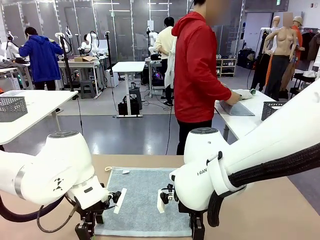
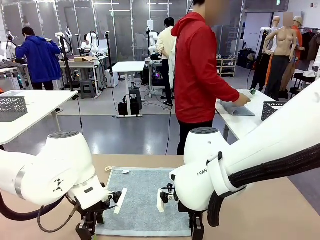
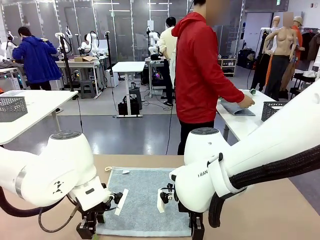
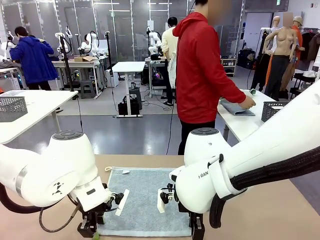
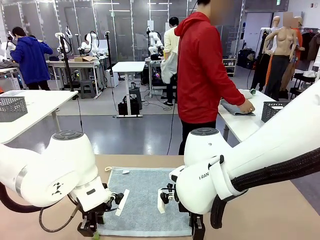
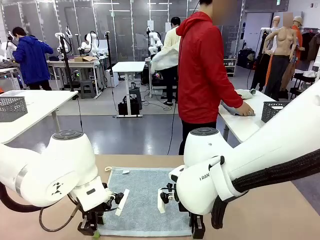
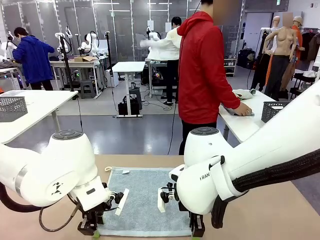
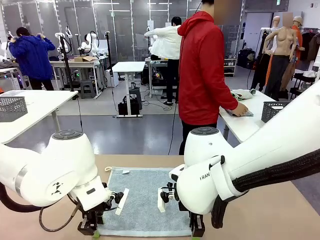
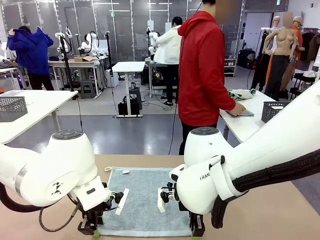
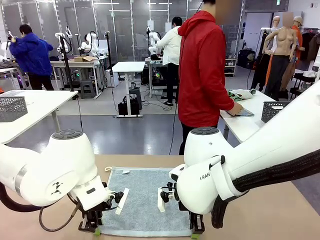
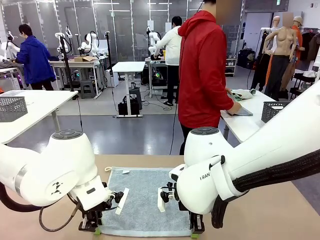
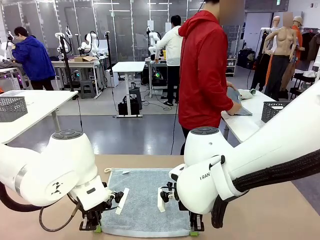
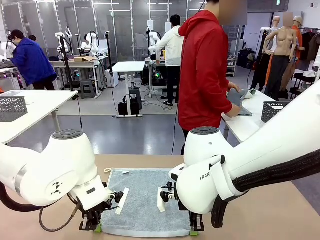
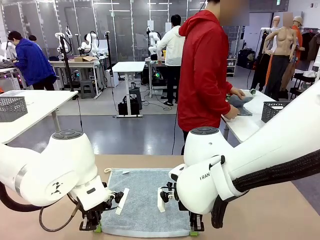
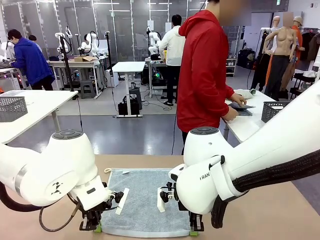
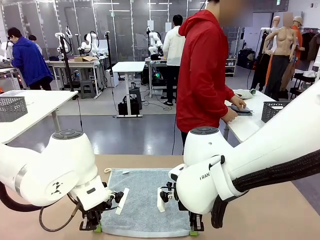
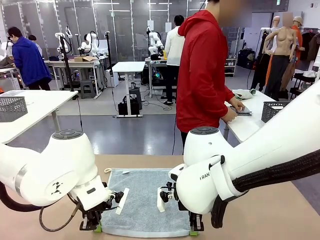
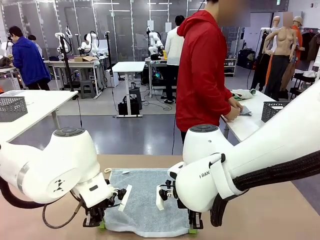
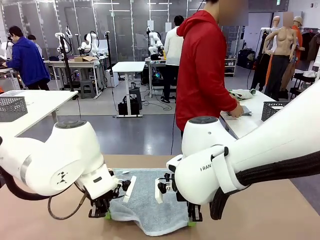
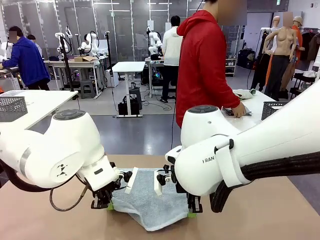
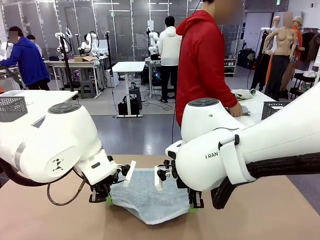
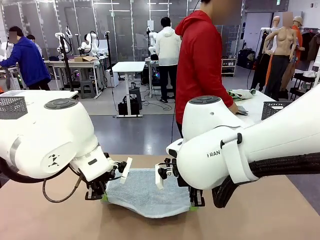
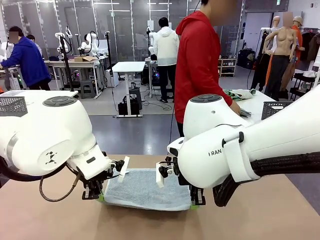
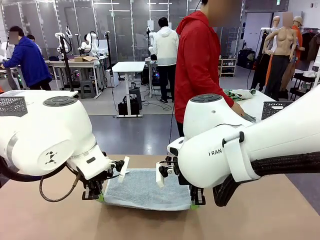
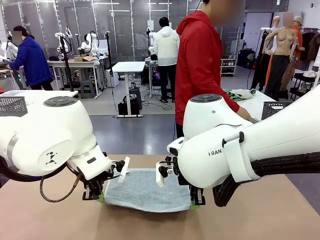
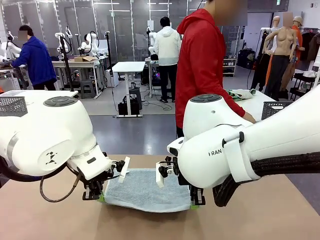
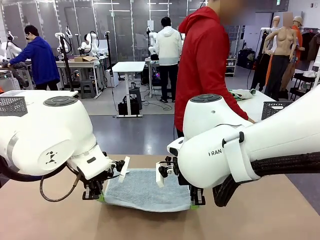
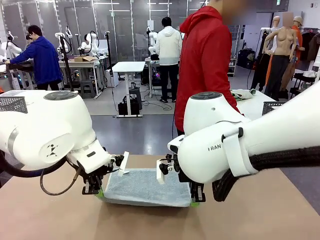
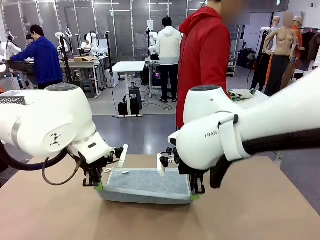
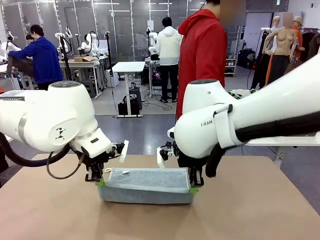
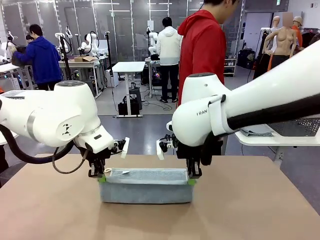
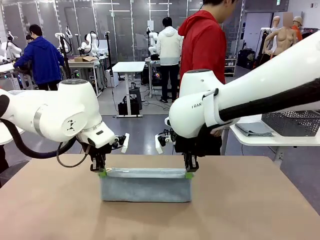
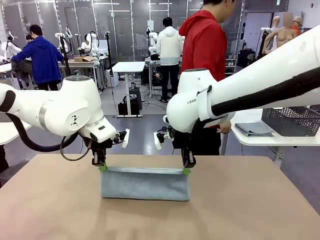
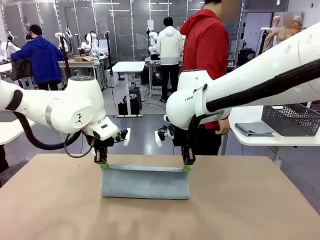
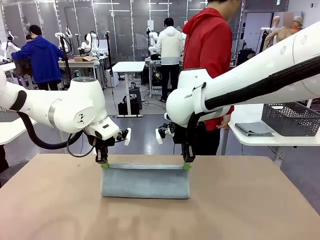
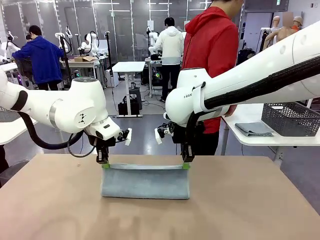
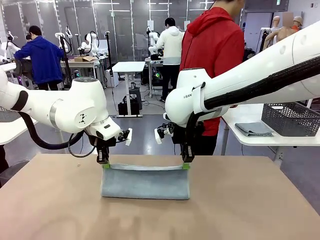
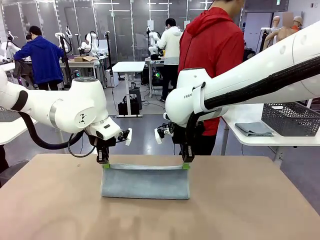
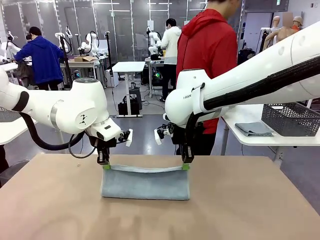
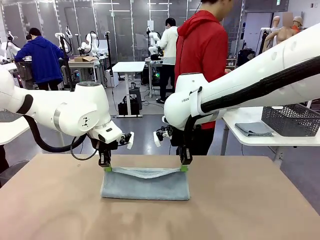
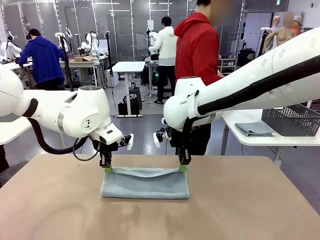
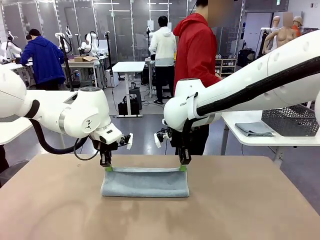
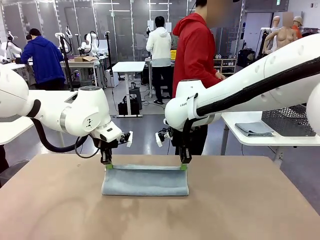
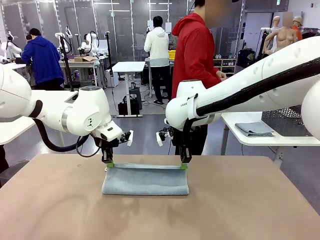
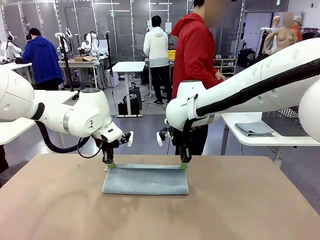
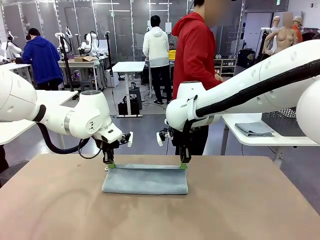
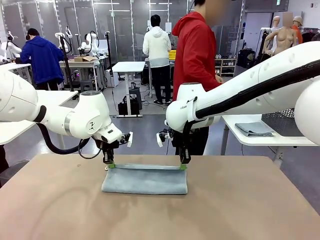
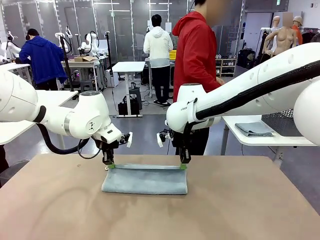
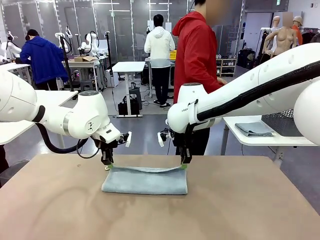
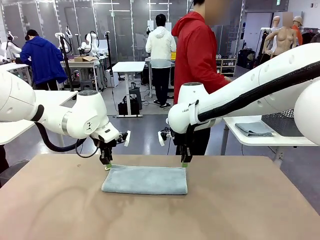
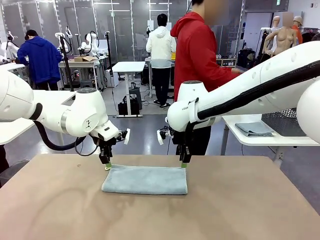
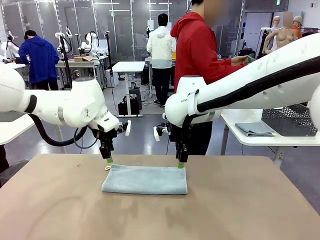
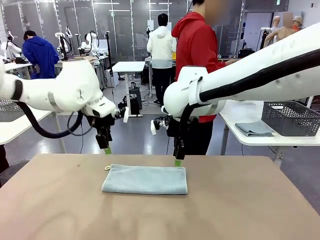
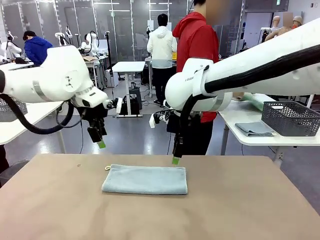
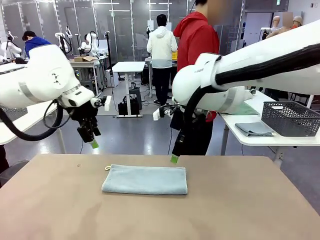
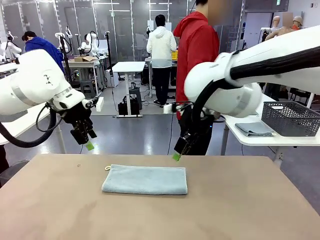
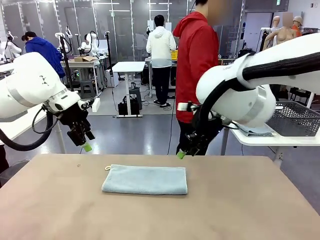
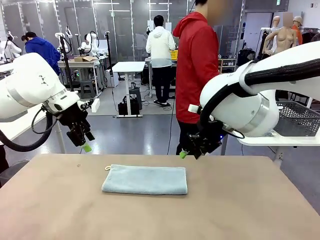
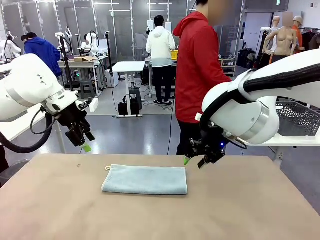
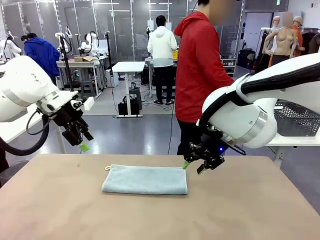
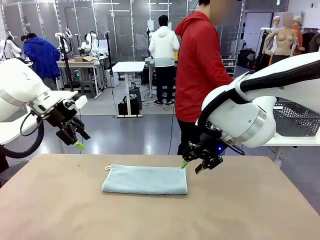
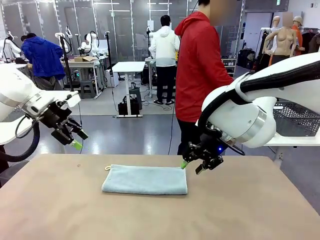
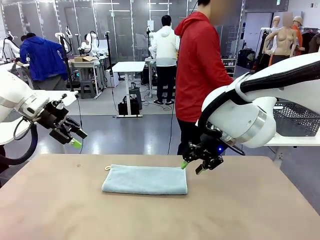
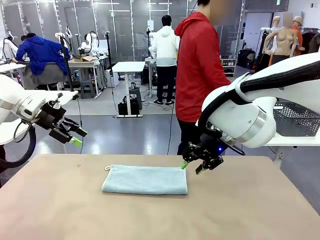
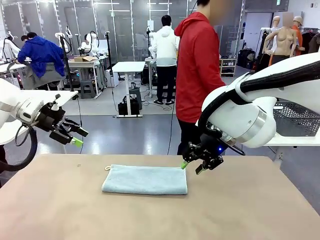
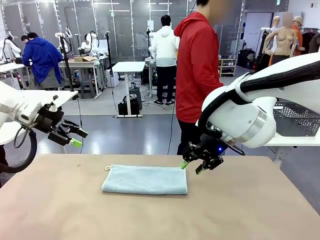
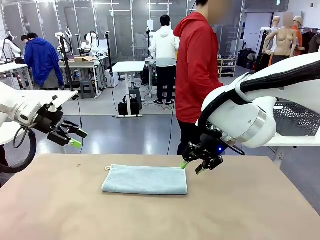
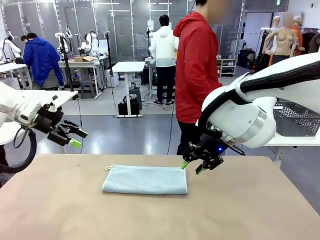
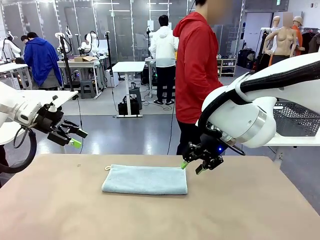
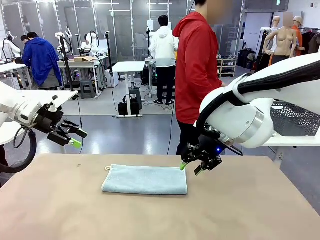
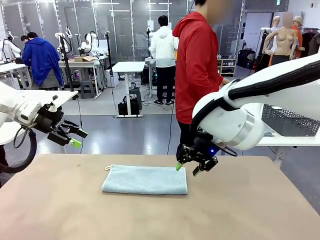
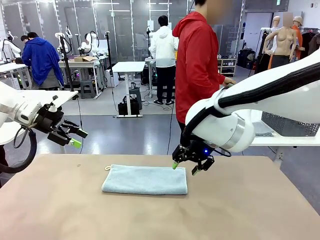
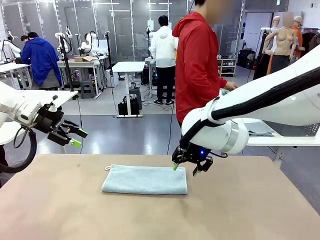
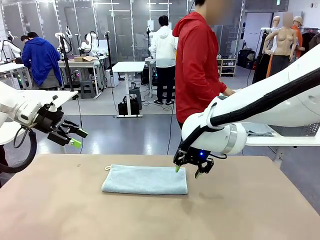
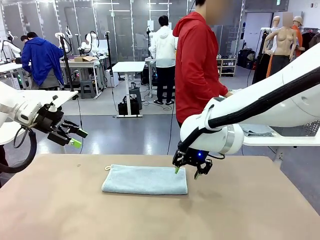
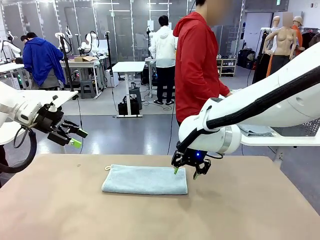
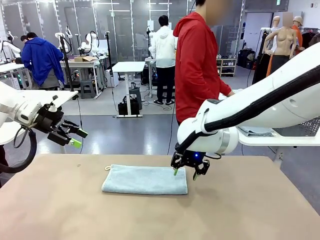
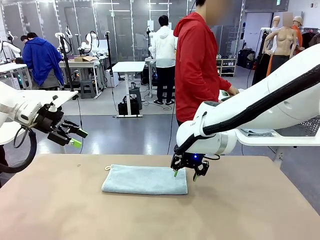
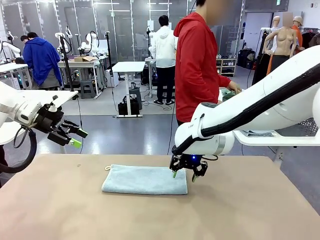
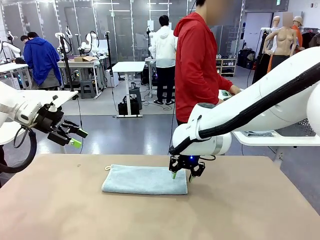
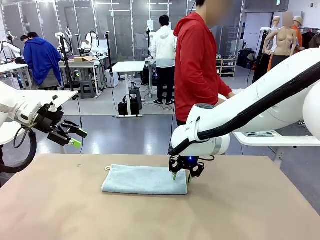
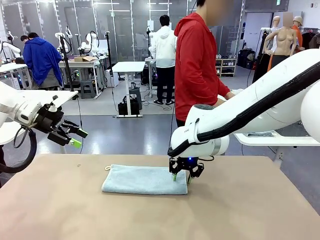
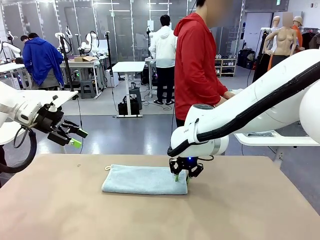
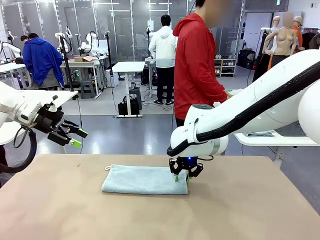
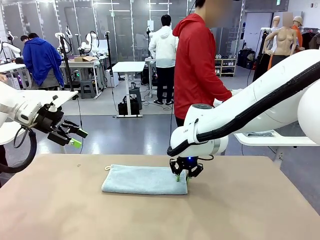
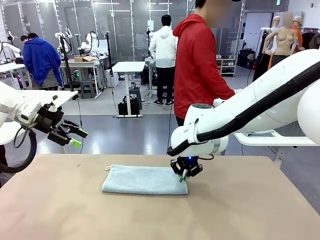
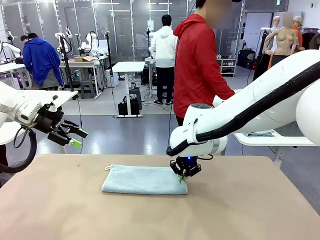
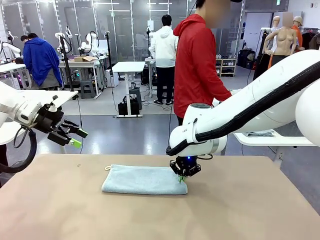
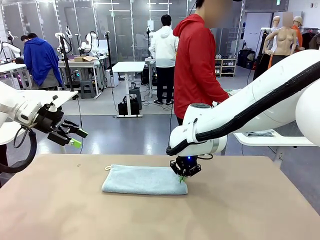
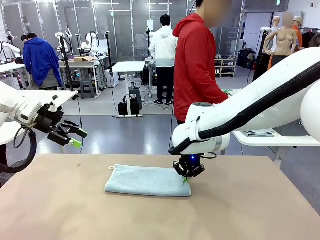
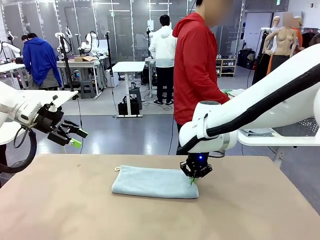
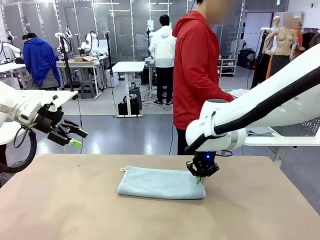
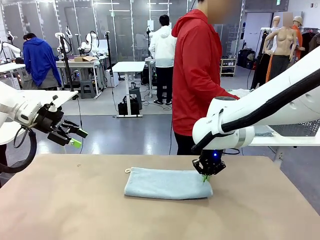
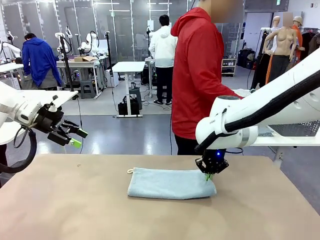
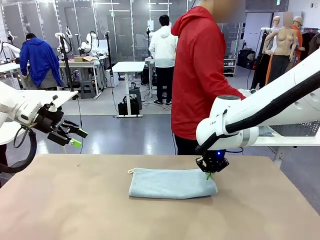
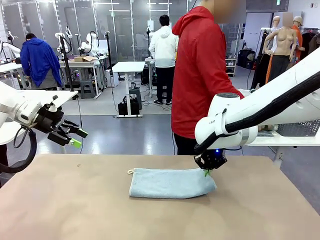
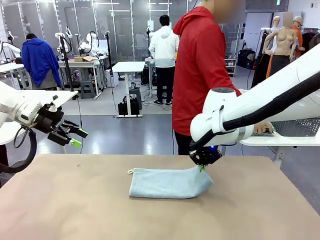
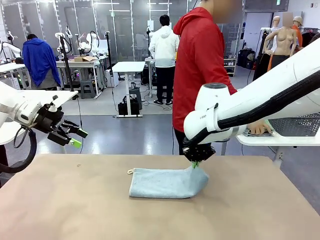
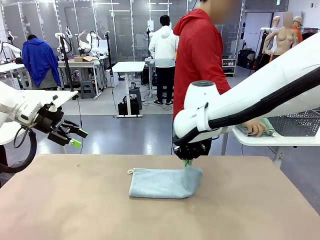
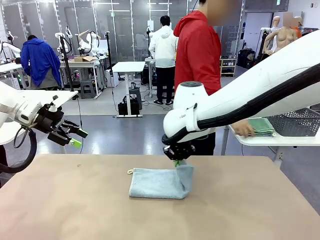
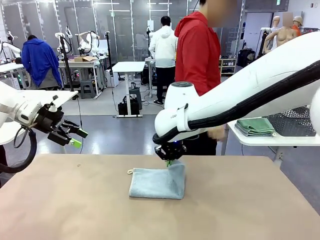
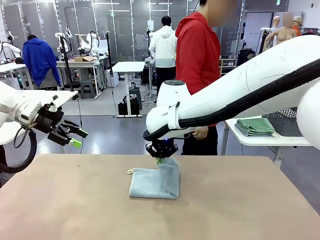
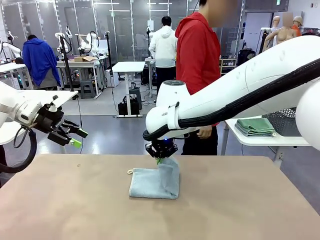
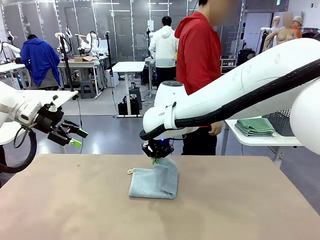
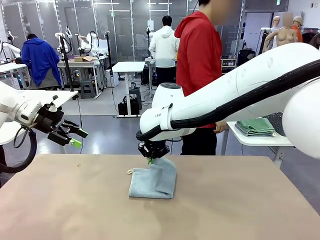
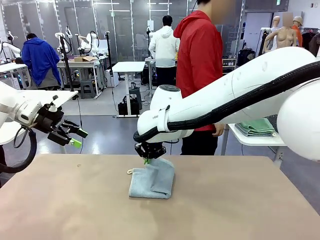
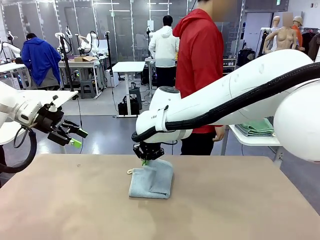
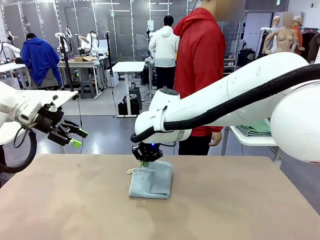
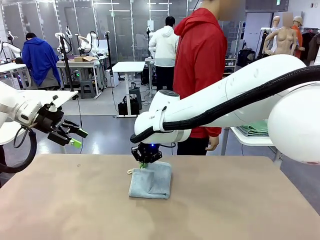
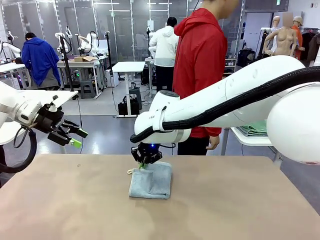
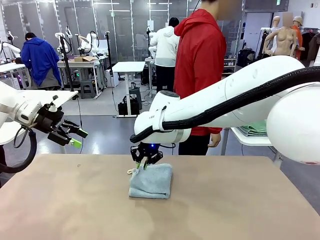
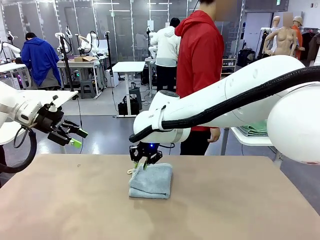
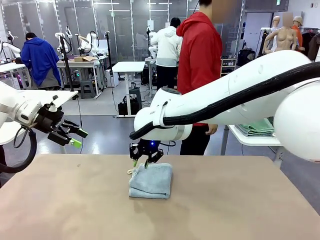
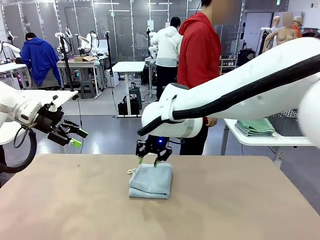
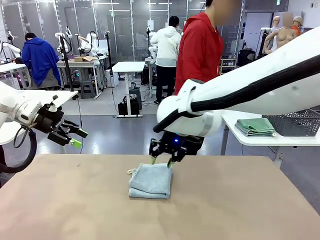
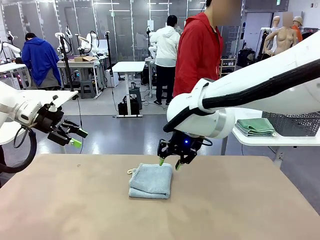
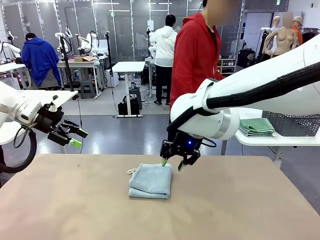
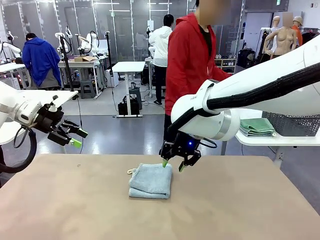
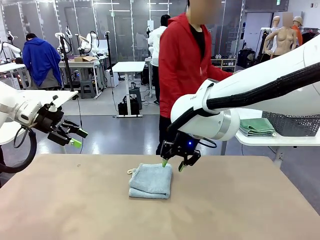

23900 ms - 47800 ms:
Task: Fold the towels and place them in the basket.
Robot: When a person lays out a Towel with hook on the table, fold it in half twice.
Person: Pick up one towel from the left side of the human table, fold it in half twice, and stack it on the right side of the table.
